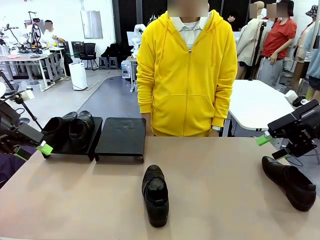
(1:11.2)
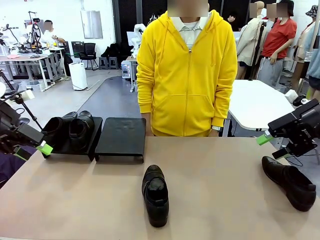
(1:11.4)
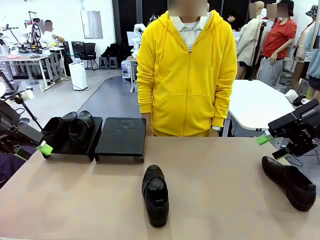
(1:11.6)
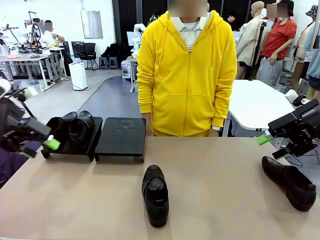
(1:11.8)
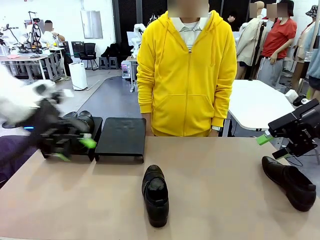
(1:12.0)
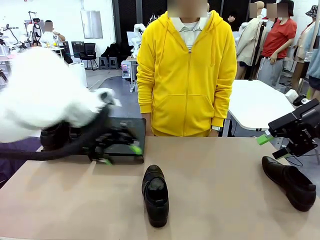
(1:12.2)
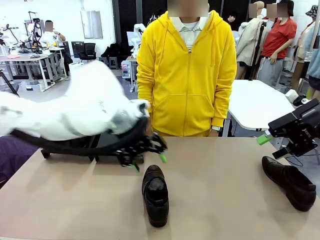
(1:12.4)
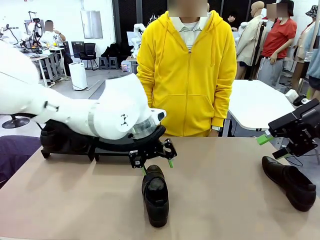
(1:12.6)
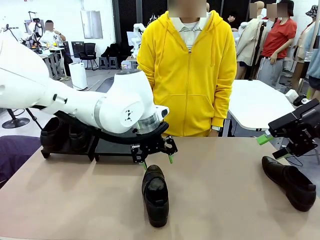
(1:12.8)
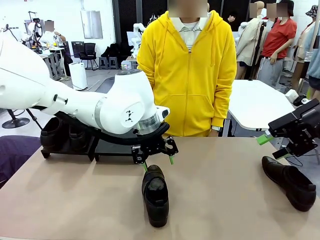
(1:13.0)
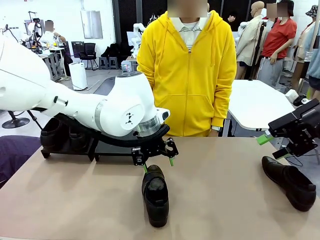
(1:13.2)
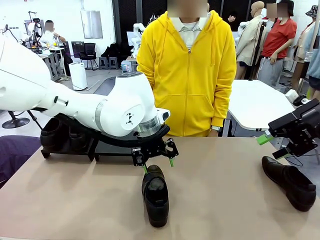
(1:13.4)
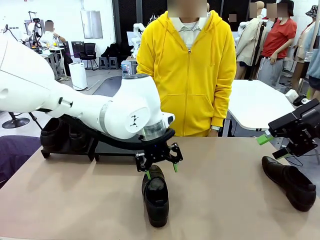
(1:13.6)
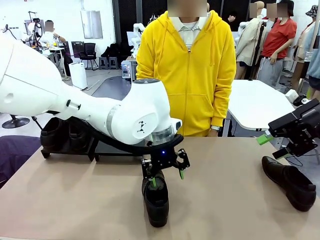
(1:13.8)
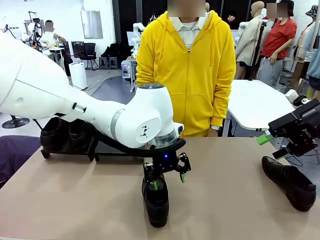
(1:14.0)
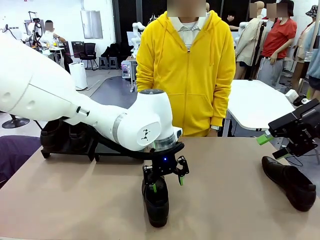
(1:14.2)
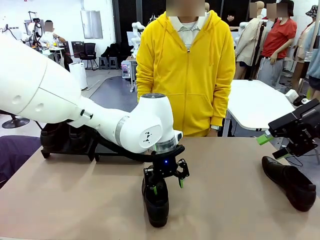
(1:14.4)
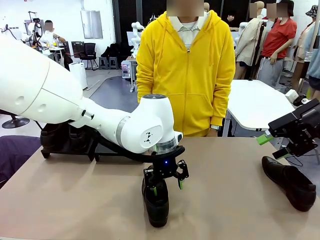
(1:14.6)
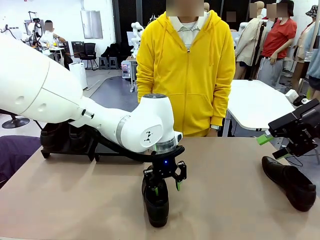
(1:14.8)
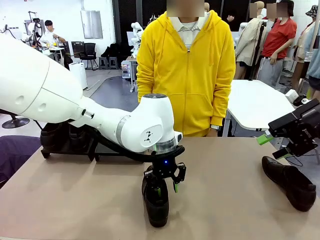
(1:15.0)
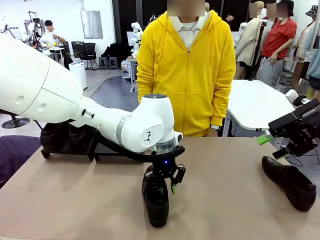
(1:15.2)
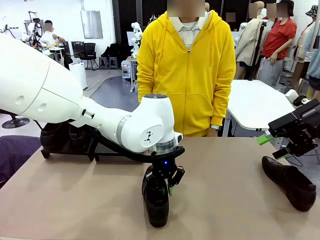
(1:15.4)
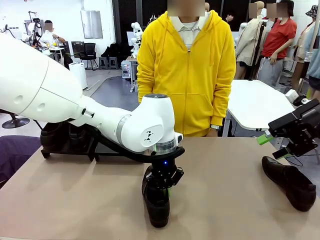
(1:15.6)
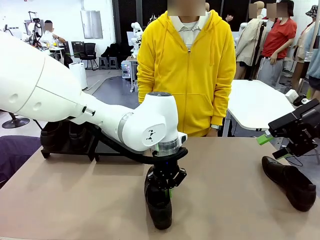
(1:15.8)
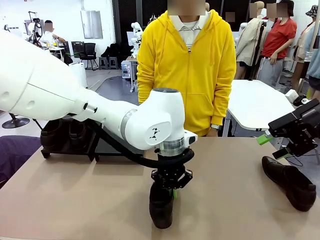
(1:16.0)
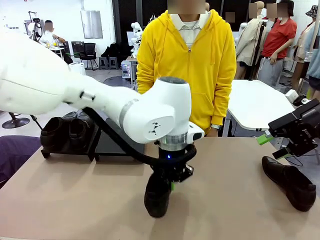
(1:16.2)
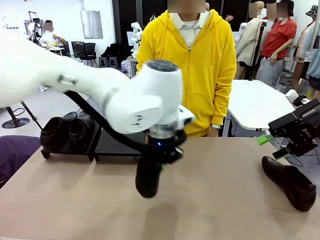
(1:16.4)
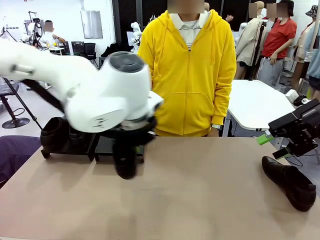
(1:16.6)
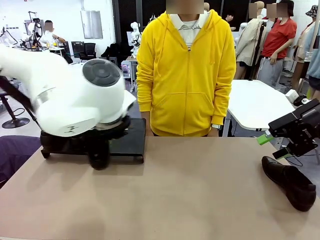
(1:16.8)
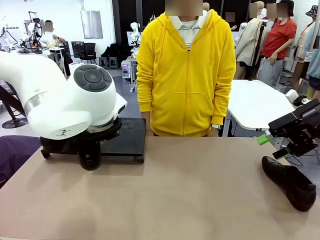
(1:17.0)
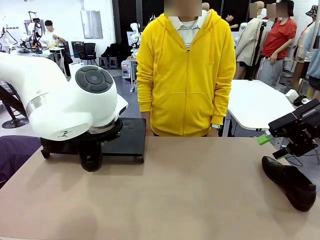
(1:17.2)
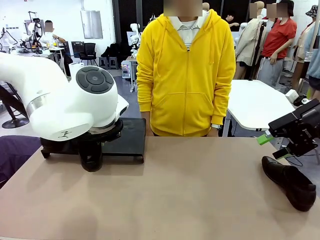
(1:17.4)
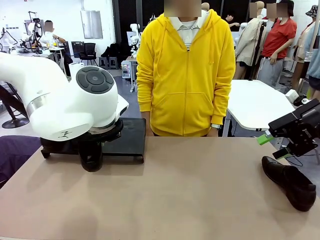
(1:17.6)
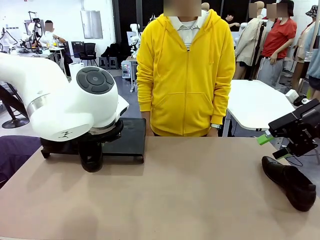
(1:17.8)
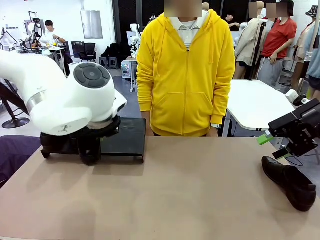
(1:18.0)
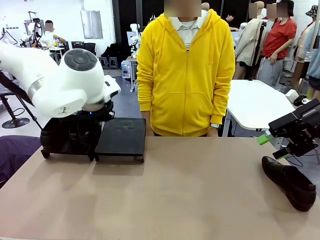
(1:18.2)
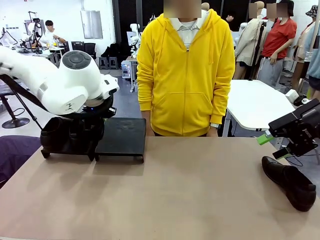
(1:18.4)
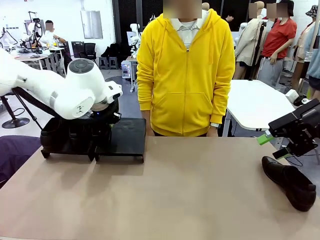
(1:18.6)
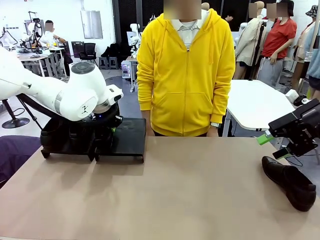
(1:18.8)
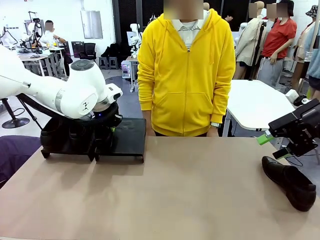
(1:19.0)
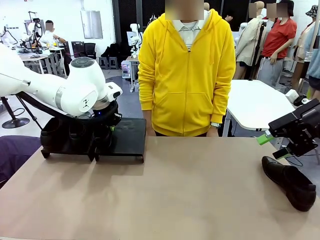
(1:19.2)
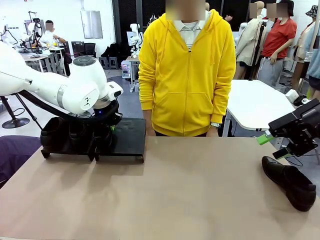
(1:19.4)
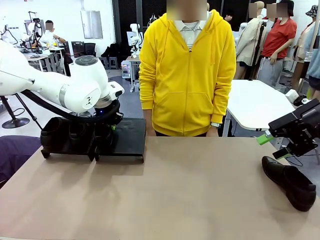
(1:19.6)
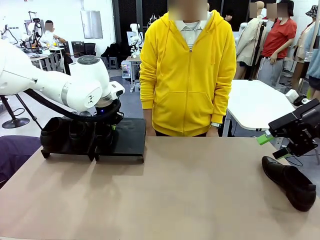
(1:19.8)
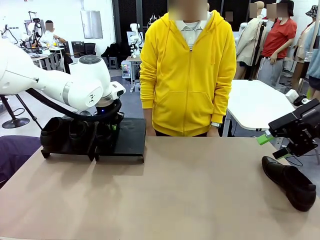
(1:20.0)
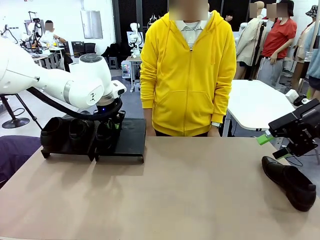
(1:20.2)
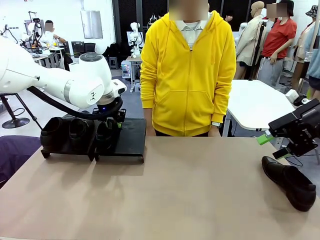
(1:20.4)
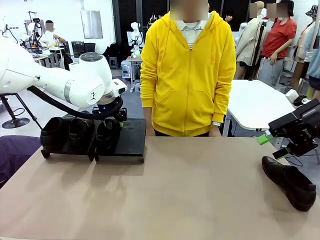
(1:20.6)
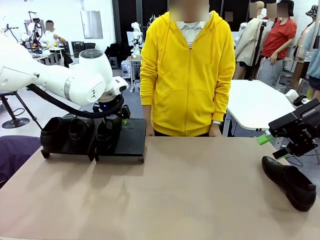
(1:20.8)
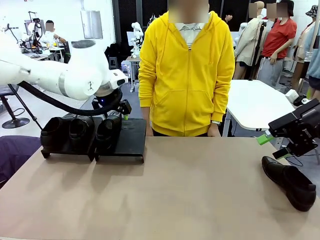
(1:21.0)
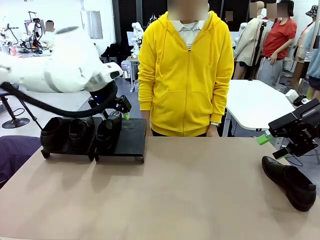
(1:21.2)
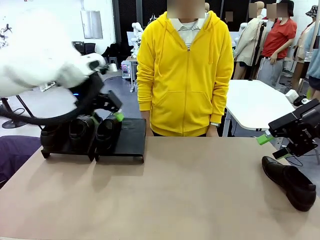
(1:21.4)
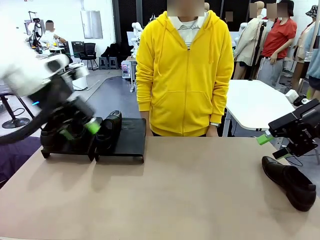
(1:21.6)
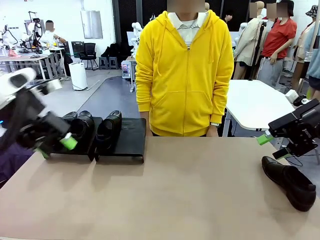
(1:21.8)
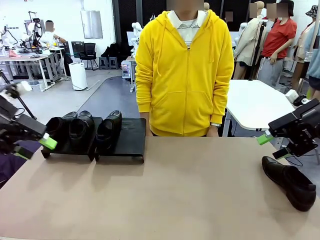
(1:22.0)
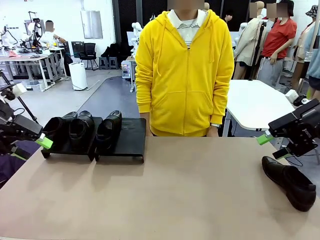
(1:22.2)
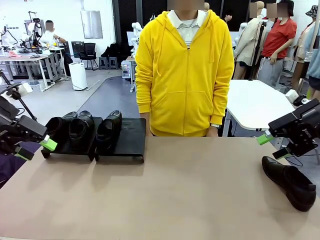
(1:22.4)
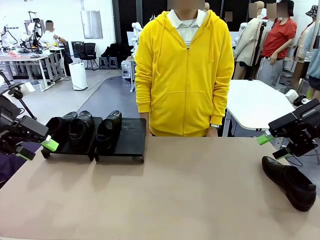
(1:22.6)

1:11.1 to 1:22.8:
Task: Organize the shoes by placing them on the stand.
Robot: Place the Shoe from the middle of the table onto the Shoes Stand.

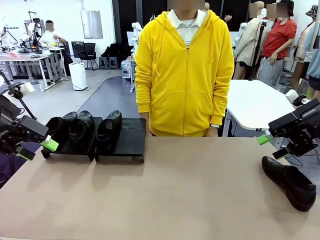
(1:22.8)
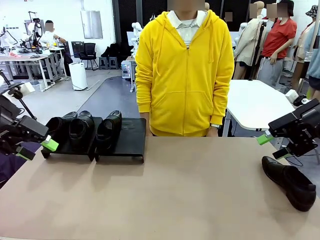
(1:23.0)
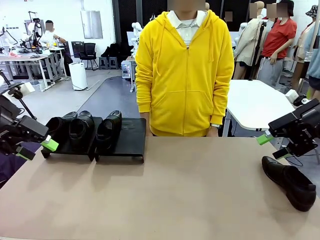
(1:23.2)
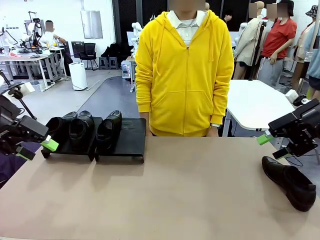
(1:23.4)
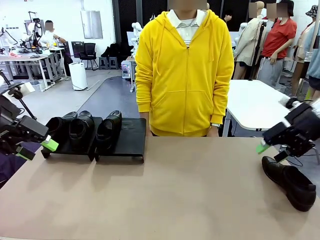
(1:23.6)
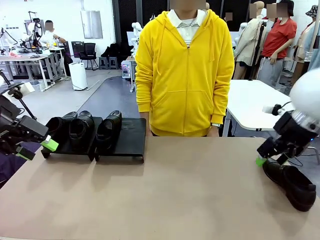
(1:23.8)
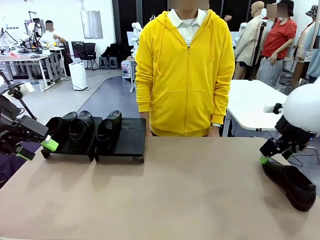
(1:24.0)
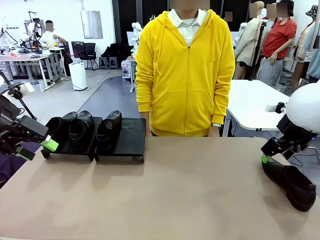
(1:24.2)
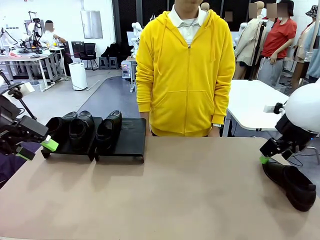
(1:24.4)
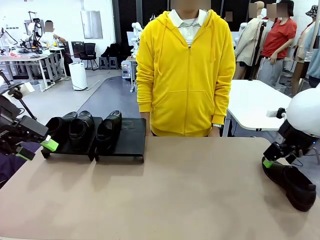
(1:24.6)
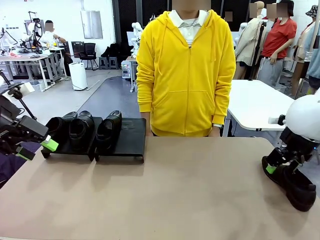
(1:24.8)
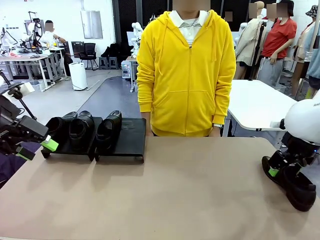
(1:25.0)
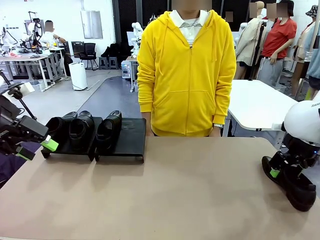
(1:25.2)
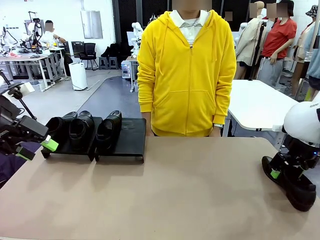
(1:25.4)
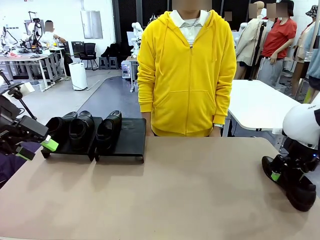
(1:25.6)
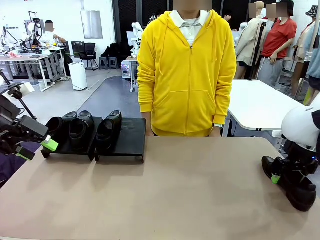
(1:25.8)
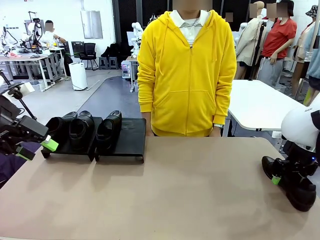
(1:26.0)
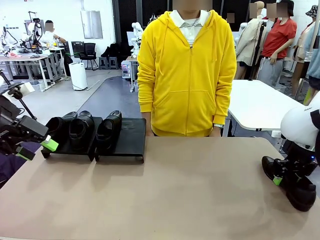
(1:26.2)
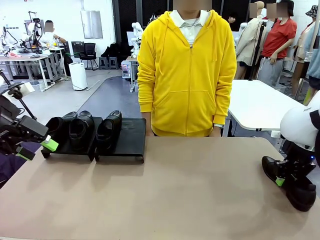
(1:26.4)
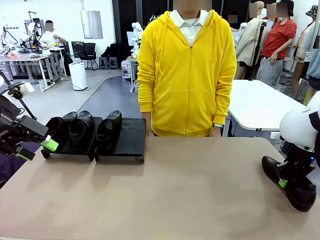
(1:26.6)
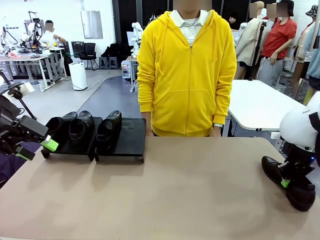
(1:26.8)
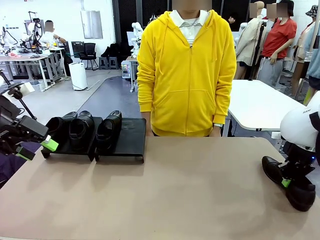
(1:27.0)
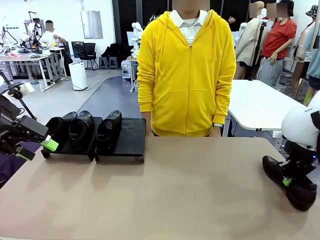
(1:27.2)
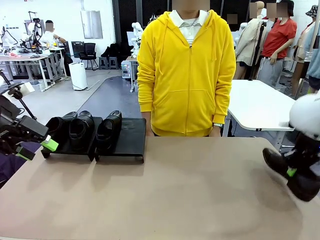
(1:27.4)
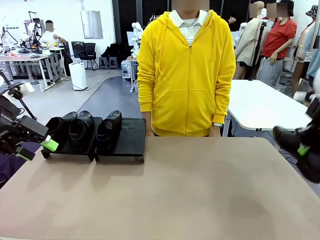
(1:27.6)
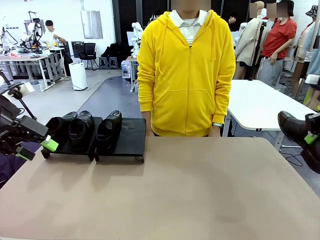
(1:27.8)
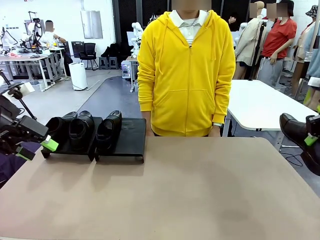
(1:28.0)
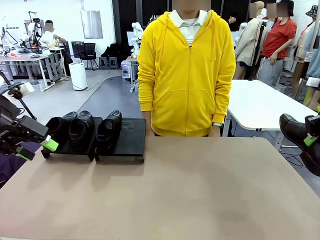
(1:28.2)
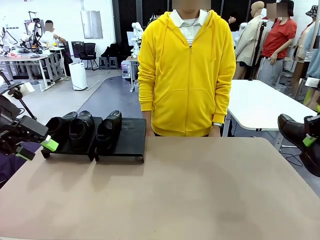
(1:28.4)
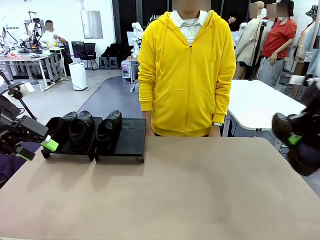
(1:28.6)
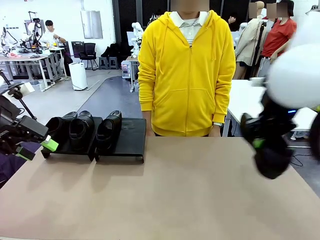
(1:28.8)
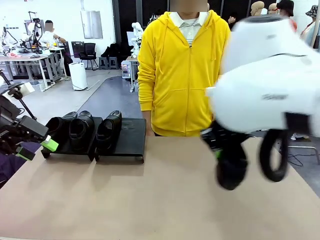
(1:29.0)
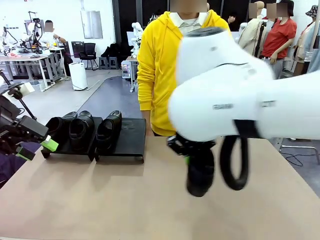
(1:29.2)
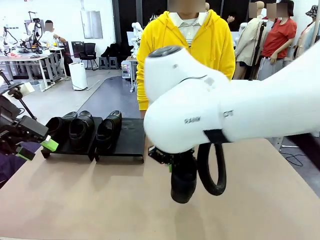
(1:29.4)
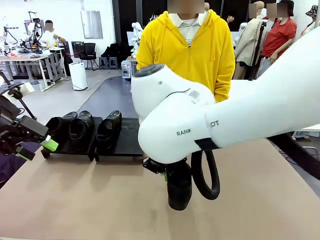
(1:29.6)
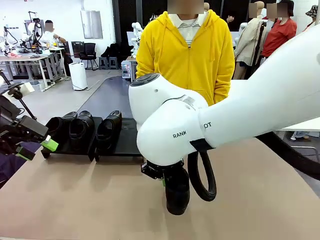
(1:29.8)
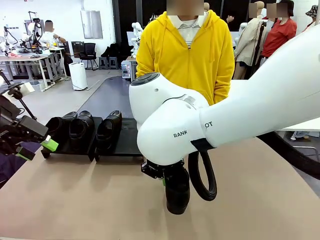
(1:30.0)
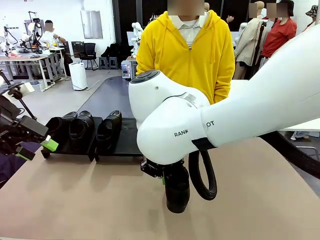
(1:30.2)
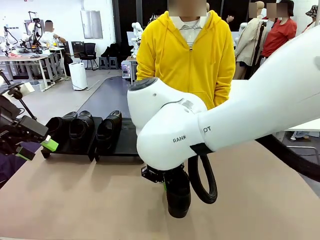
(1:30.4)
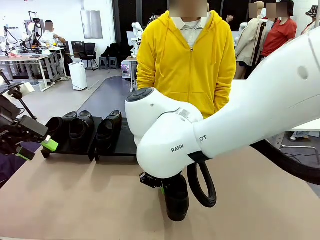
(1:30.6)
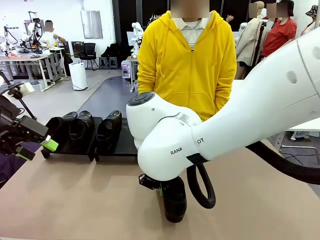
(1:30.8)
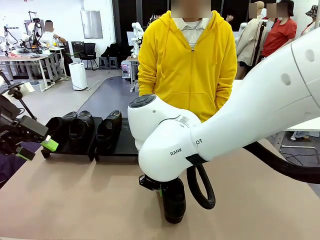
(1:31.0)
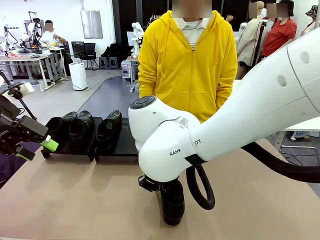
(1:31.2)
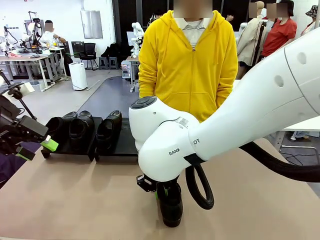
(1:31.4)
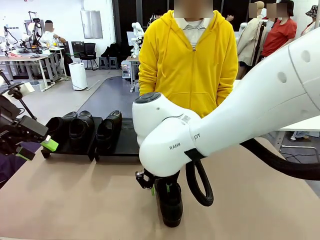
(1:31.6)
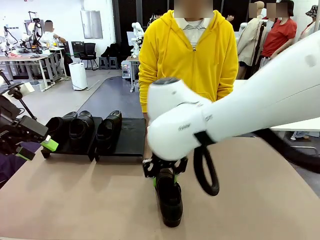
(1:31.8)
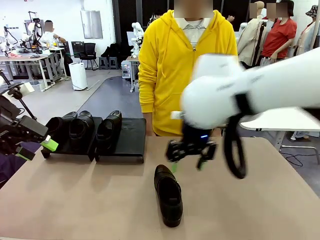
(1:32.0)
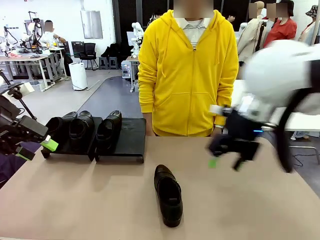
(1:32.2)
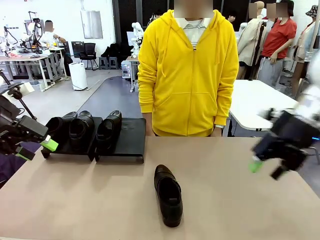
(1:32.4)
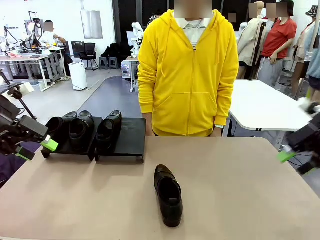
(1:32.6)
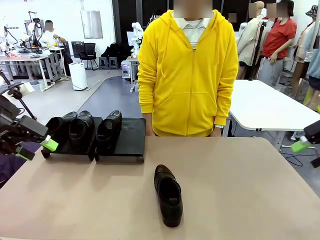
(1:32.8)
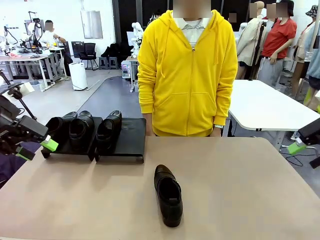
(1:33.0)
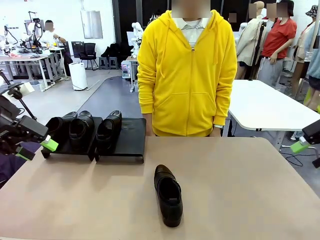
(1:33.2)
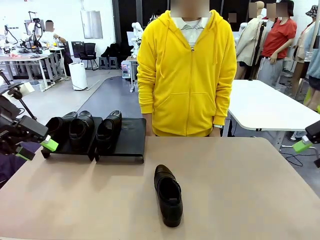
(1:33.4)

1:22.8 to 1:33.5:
Robot: Pick up one Shoe and place it in the middle of the table.
